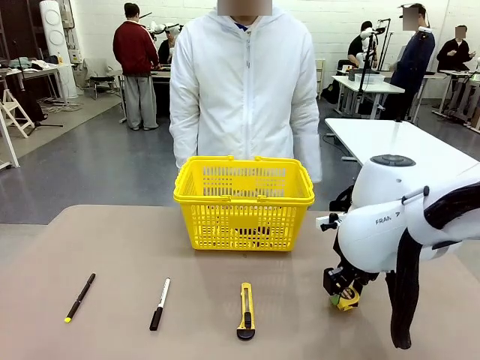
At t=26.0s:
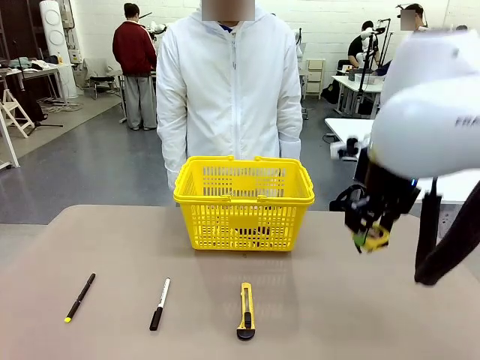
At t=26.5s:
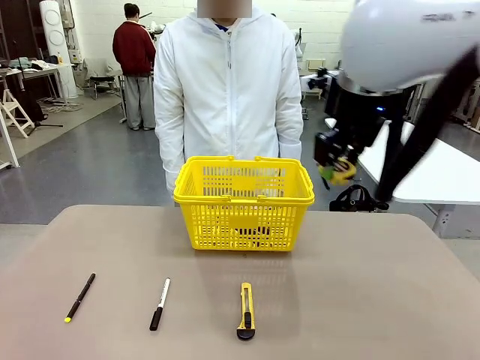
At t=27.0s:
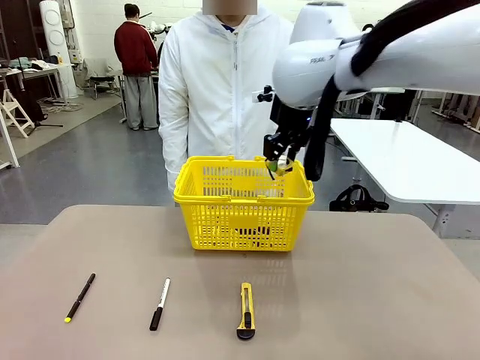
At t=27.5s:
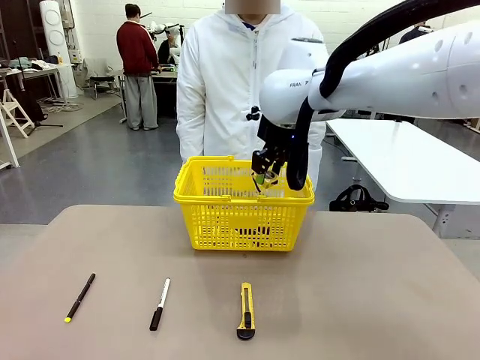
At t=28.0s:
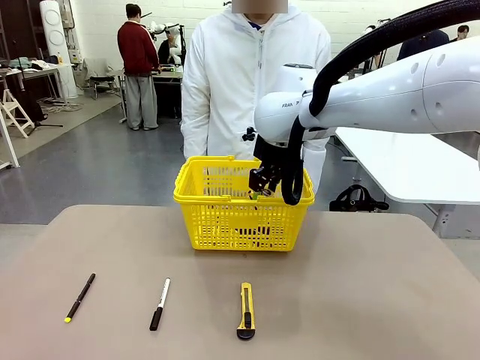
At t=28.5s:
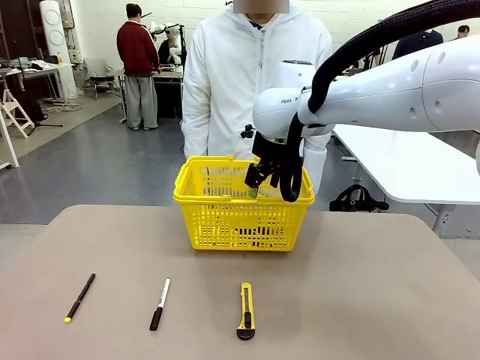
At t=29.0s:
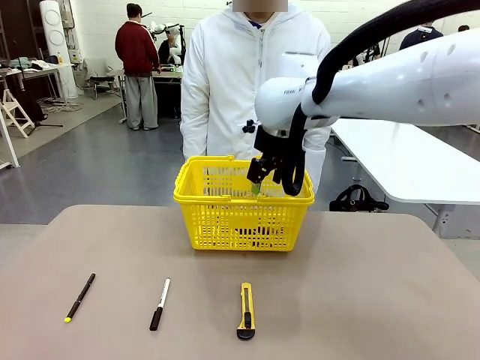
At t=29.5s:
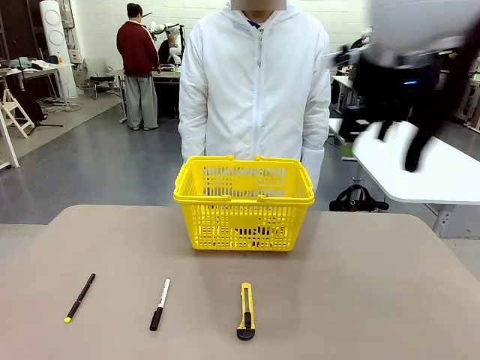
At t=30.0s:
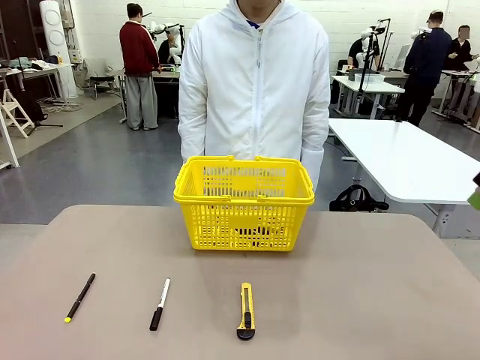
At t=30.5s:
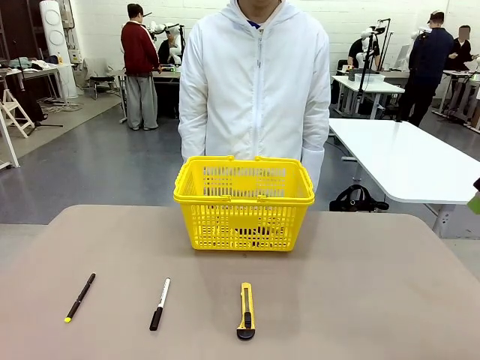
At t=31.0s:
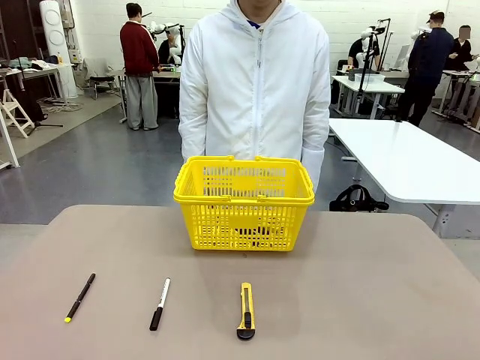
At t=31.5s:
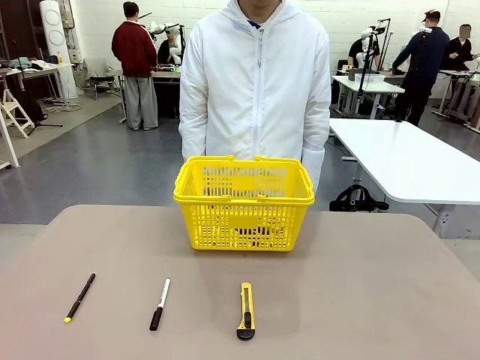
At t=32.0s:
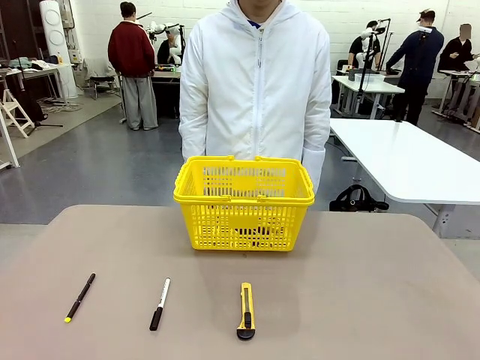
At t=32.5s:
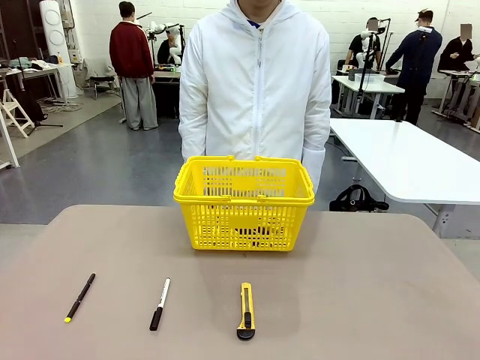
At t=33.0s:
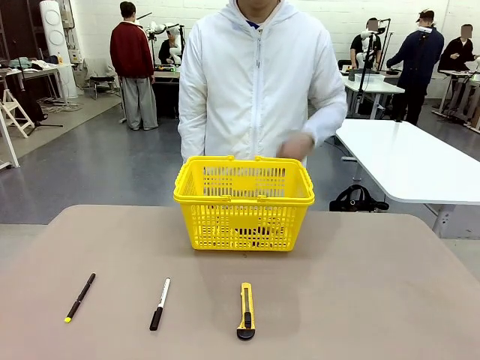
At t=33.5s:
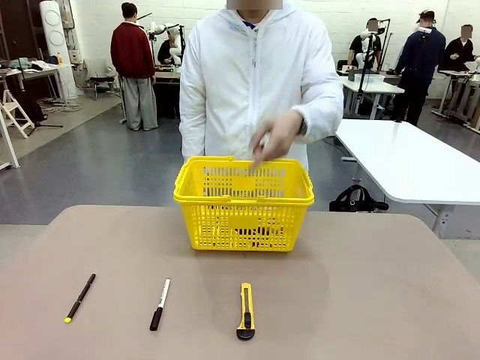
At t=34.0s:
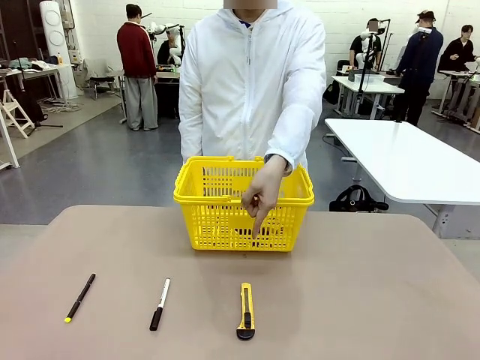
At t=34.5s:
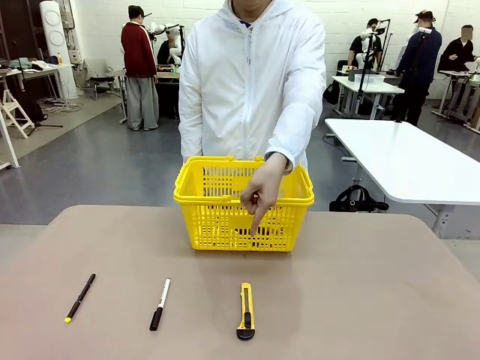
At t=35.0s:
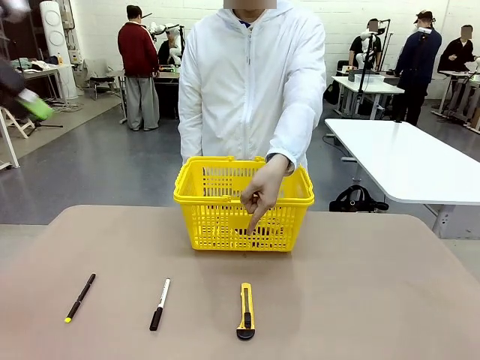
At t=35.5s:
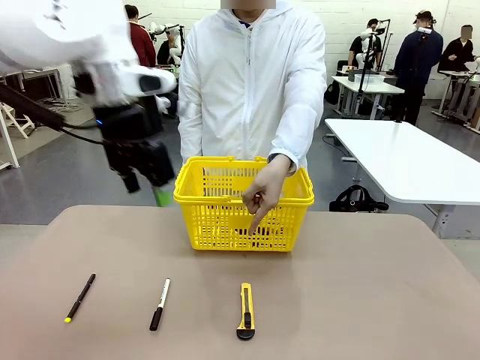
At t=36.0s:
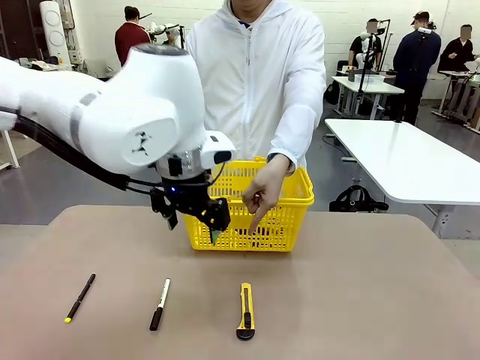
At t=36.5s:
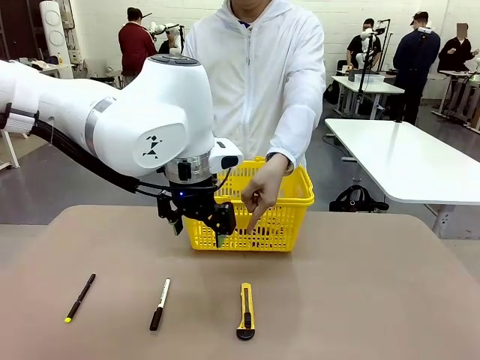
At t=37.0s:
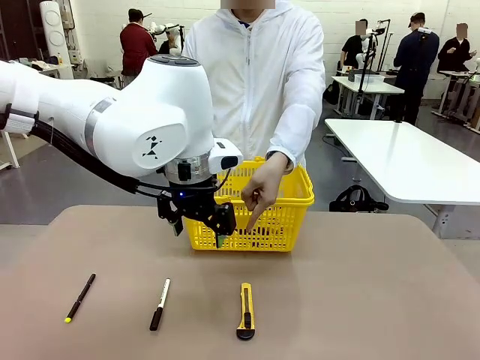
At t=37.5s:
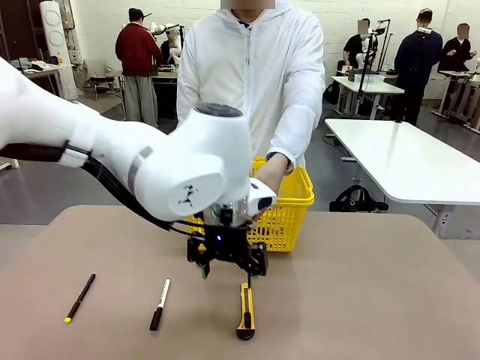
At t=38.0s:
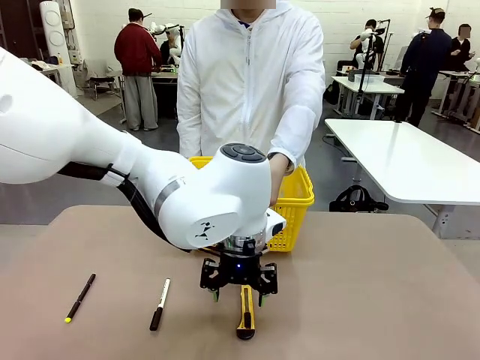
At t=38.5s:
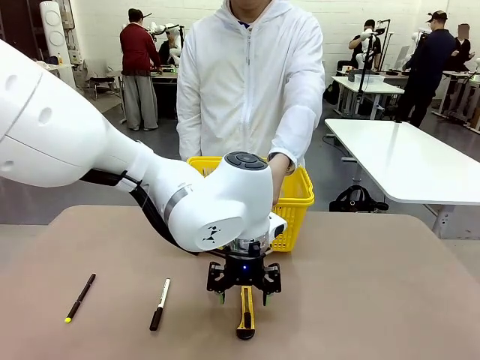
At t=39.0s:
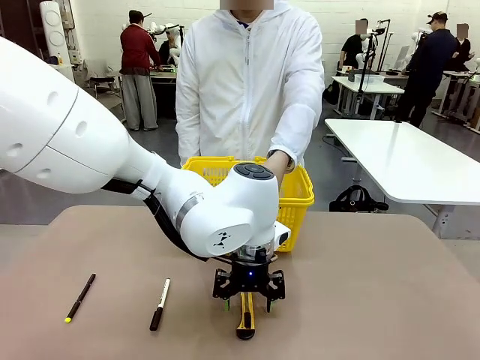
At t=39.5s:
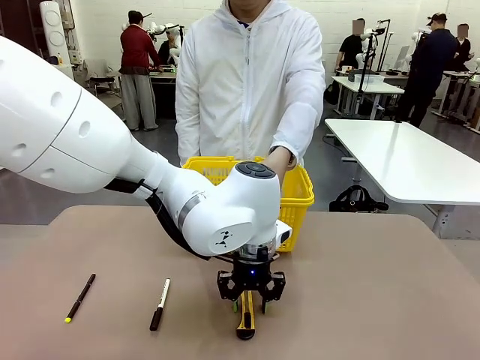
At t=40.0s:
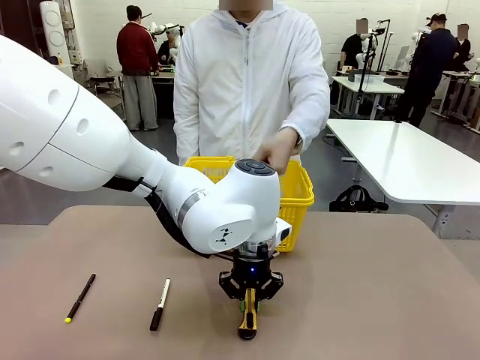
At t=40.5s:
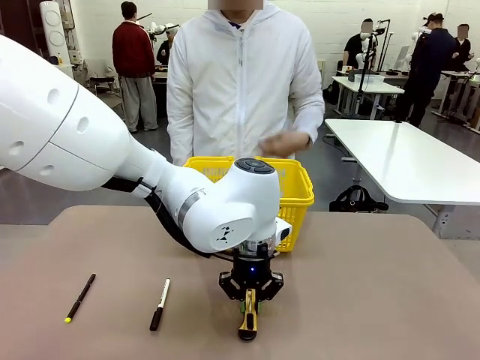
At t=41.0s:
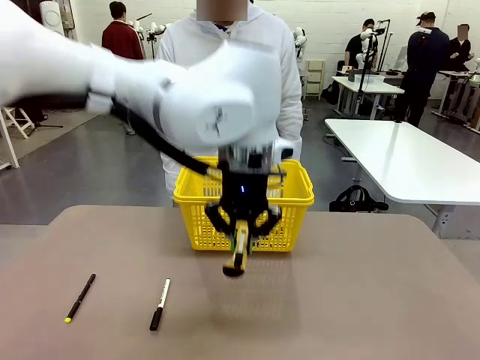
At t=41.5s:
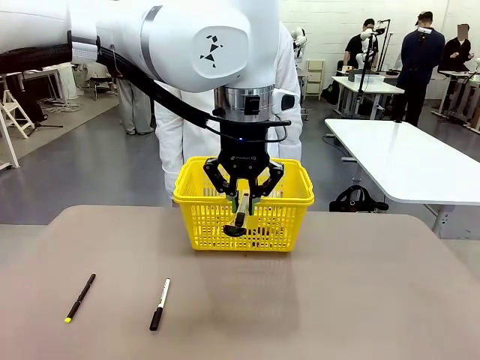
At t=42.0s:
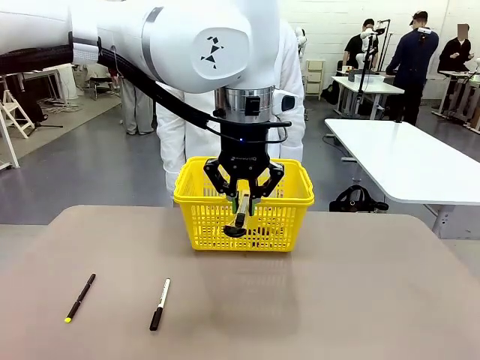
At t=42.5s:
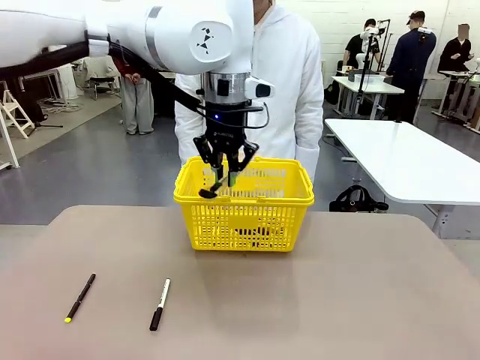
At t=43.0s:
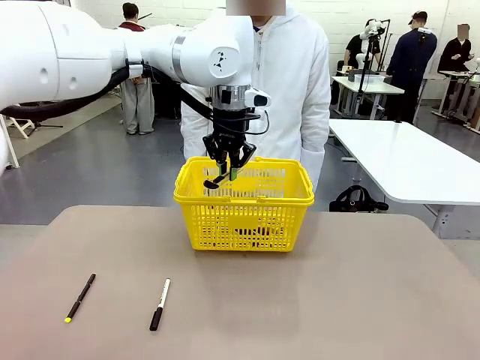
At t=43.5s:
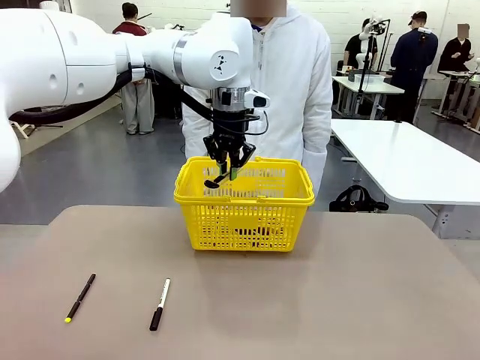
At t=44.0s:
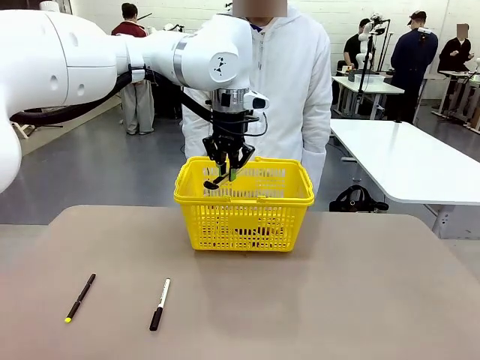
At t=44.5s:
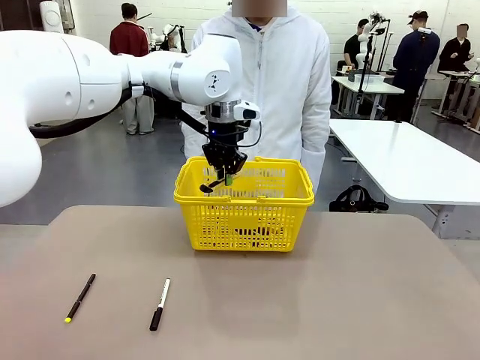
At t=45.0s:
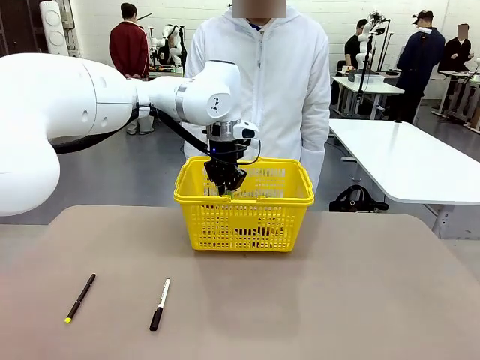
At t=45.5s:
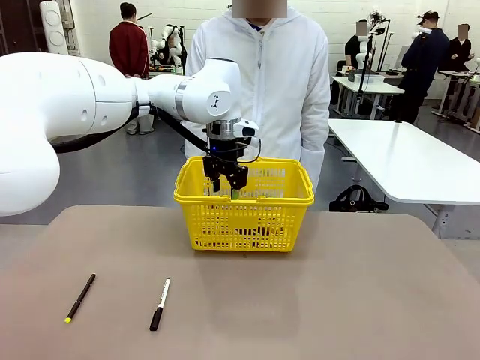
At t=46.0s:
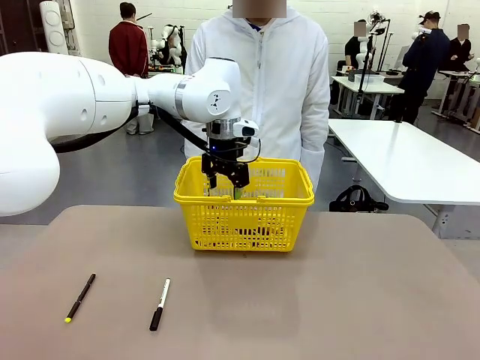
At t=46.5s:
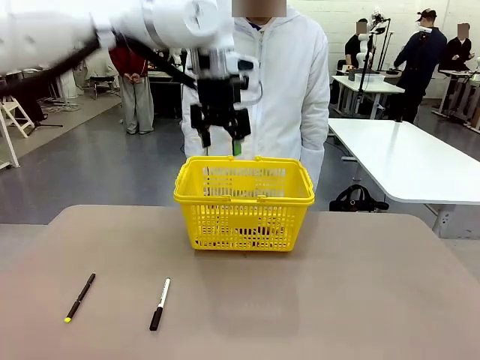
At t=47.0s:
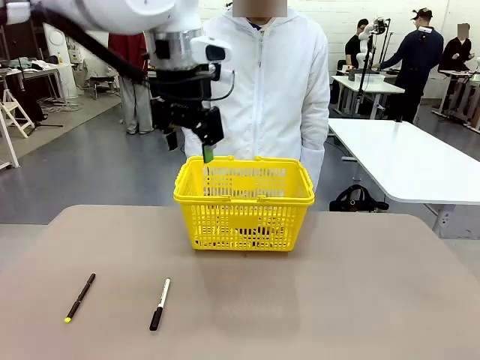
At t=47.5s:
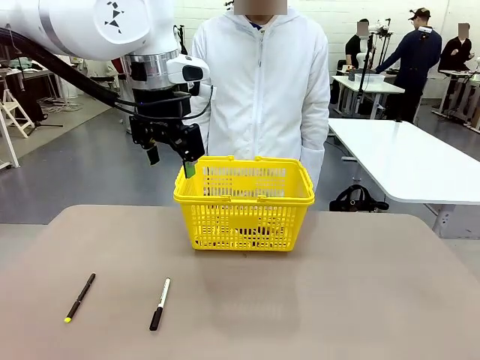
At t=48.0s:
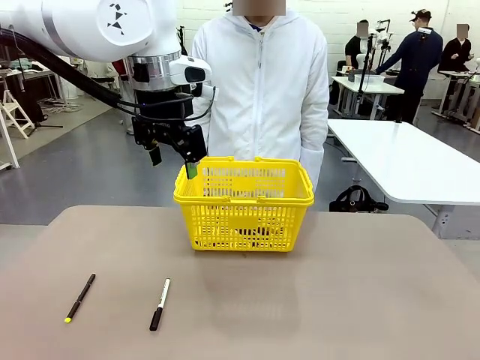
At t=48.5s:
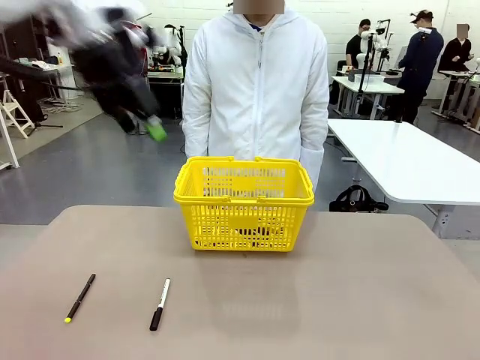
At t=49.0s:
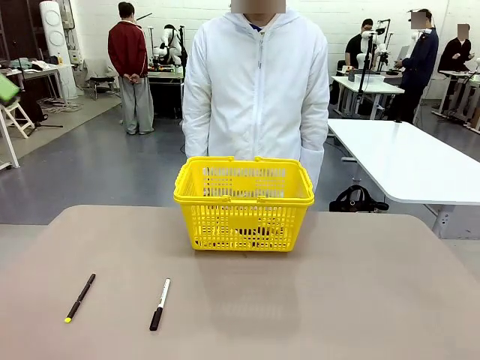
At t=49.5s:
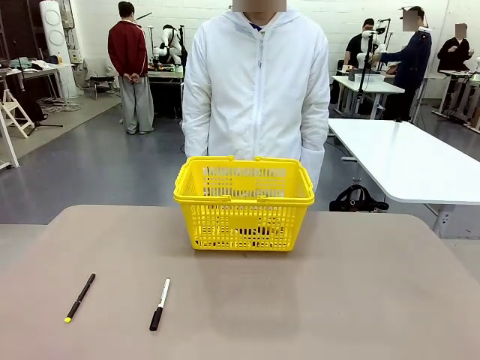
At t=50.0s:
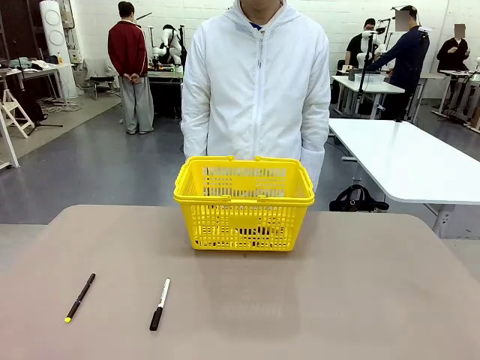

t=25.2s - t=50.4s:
Task: Place the items the person wants into the basket.
Robot: Pick up the item the person points to and place it in the Market Basket.
